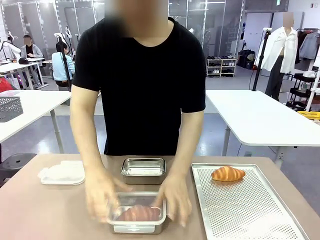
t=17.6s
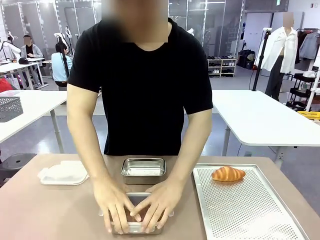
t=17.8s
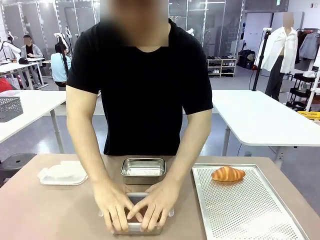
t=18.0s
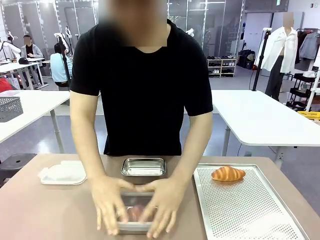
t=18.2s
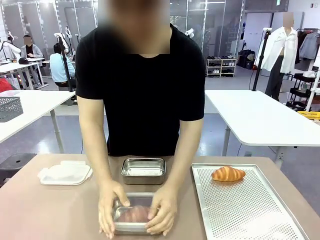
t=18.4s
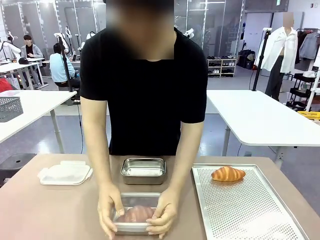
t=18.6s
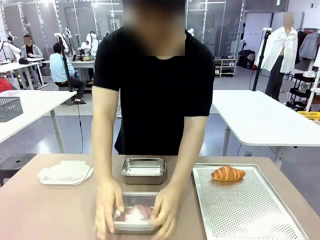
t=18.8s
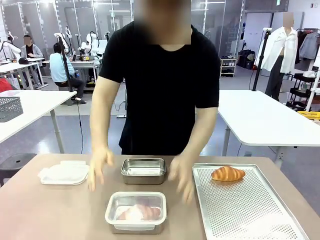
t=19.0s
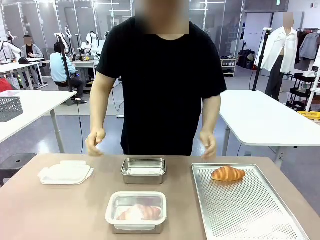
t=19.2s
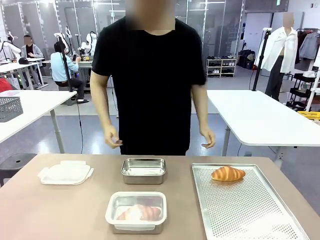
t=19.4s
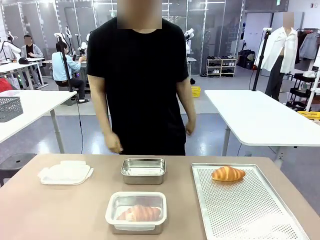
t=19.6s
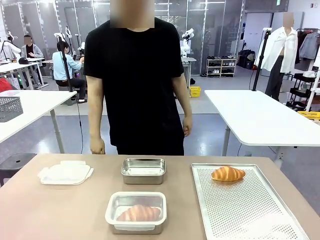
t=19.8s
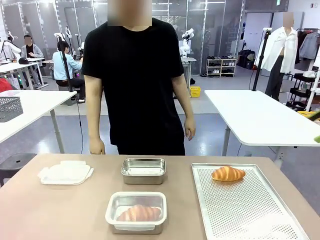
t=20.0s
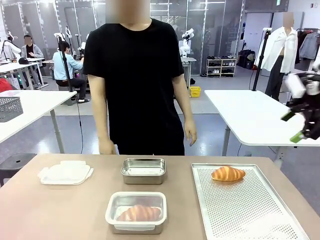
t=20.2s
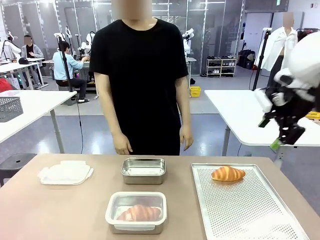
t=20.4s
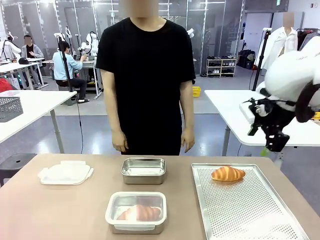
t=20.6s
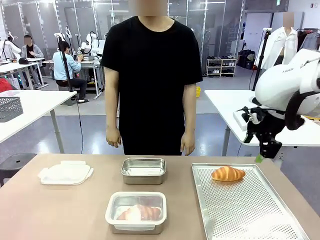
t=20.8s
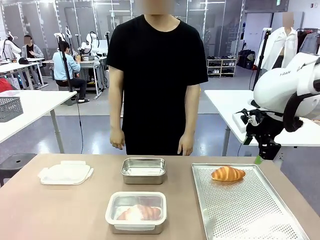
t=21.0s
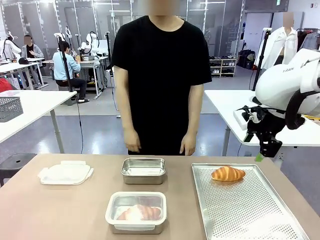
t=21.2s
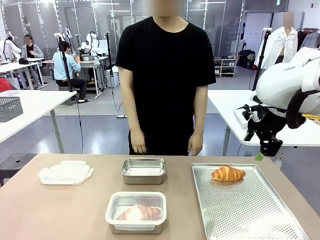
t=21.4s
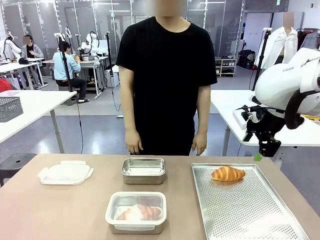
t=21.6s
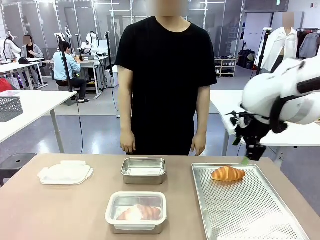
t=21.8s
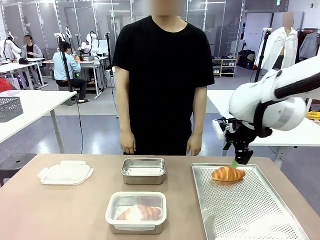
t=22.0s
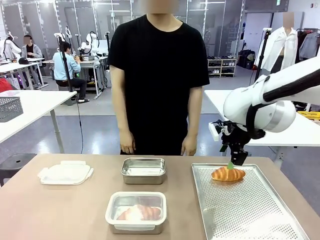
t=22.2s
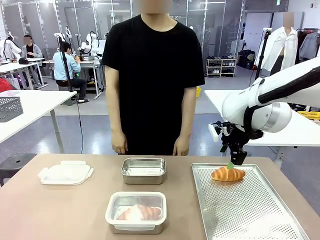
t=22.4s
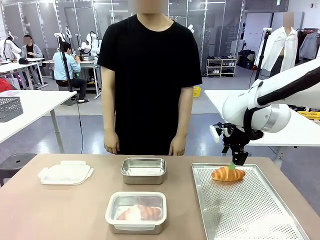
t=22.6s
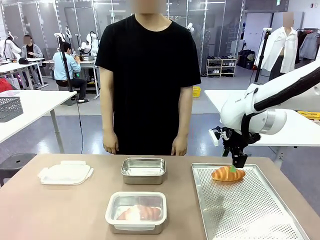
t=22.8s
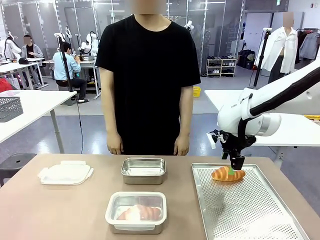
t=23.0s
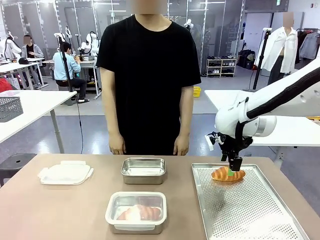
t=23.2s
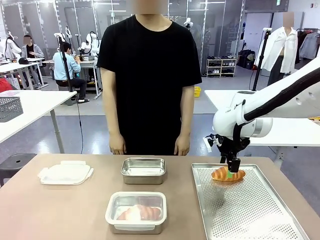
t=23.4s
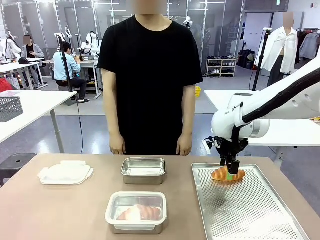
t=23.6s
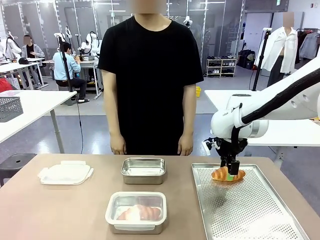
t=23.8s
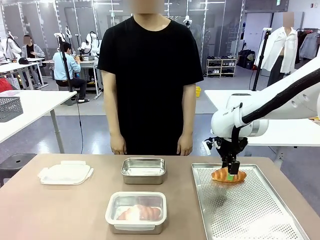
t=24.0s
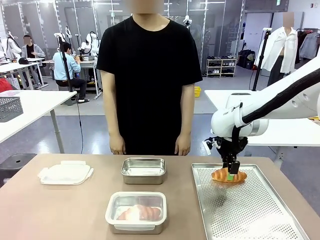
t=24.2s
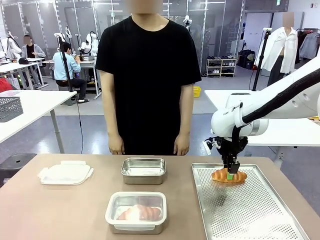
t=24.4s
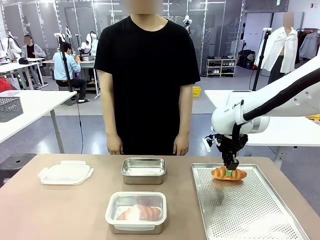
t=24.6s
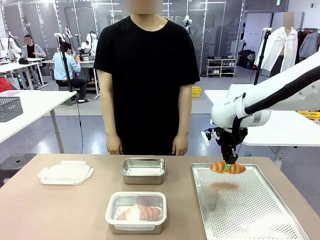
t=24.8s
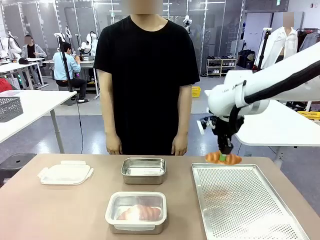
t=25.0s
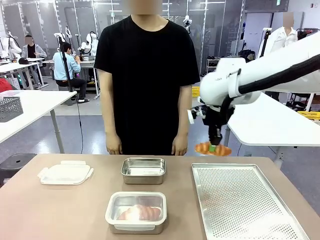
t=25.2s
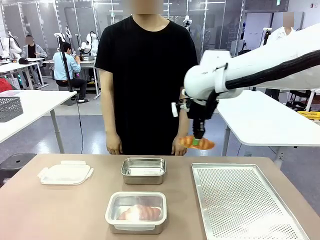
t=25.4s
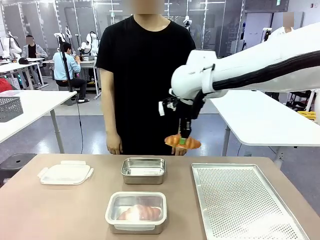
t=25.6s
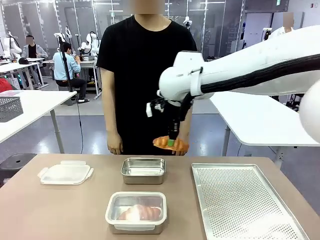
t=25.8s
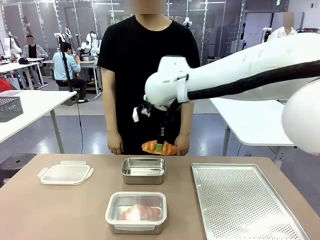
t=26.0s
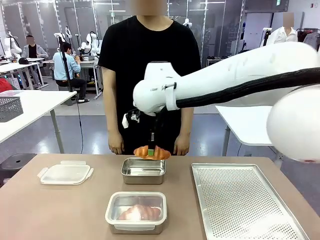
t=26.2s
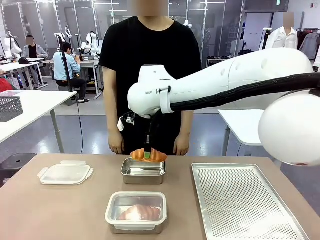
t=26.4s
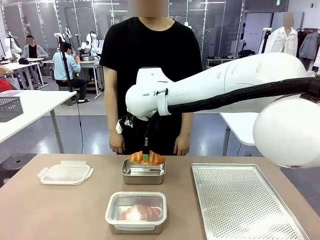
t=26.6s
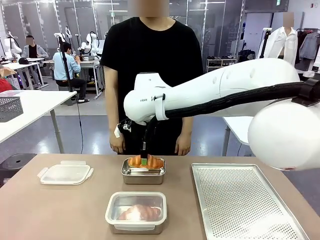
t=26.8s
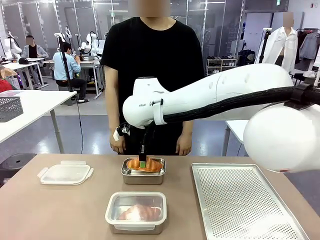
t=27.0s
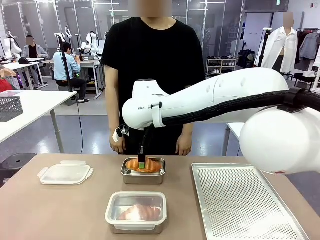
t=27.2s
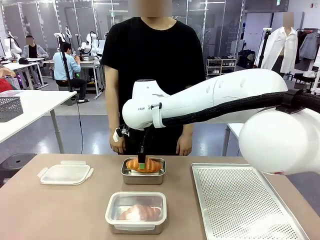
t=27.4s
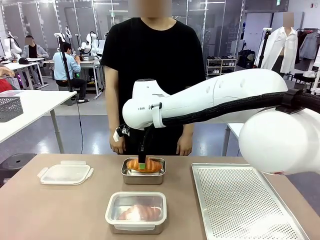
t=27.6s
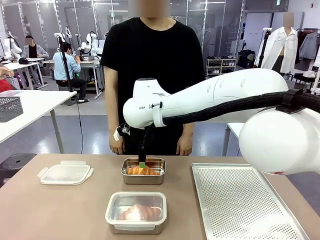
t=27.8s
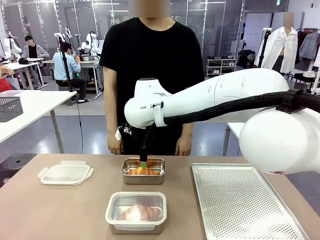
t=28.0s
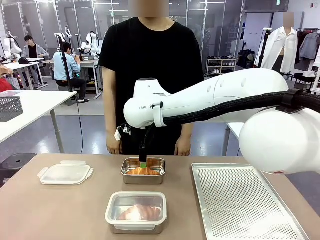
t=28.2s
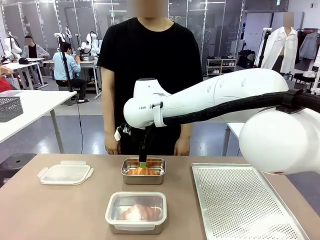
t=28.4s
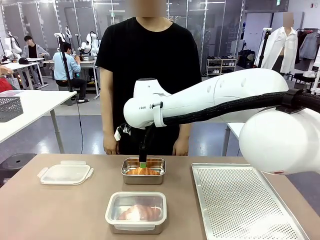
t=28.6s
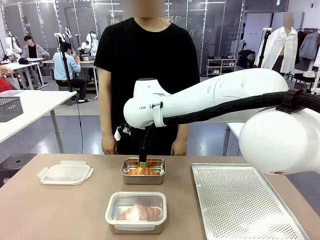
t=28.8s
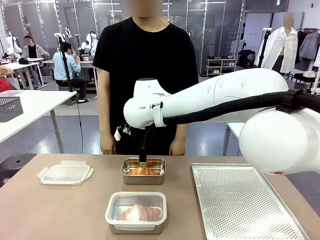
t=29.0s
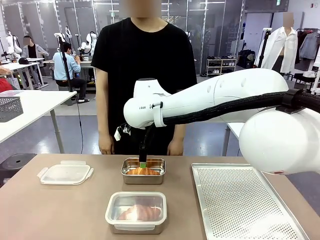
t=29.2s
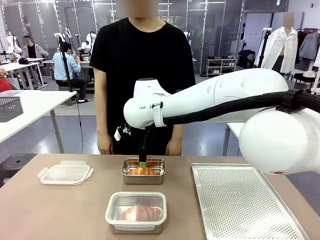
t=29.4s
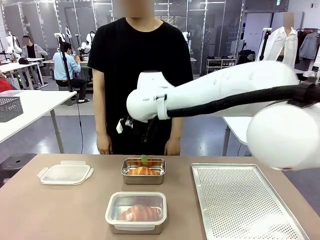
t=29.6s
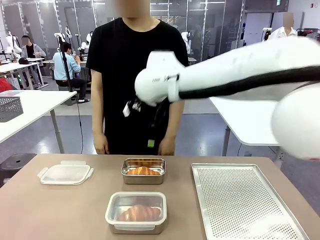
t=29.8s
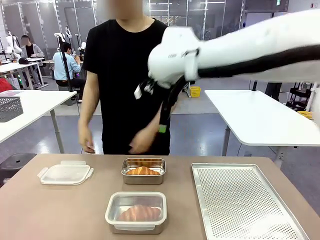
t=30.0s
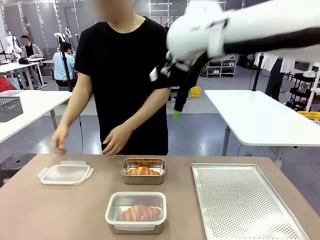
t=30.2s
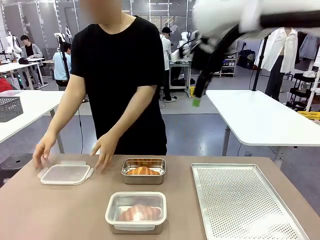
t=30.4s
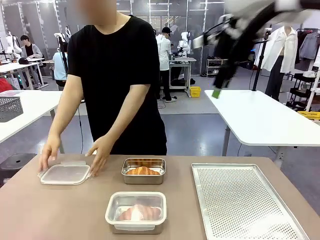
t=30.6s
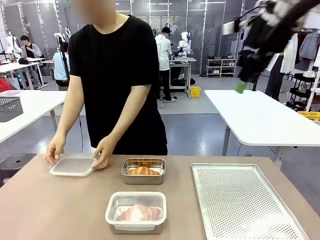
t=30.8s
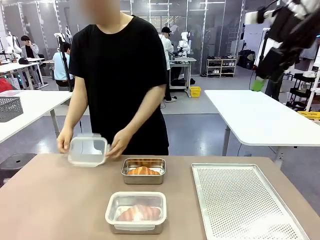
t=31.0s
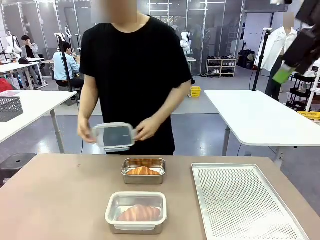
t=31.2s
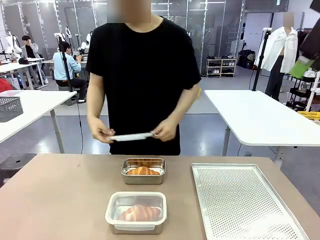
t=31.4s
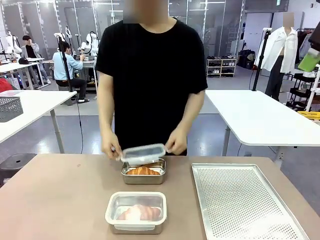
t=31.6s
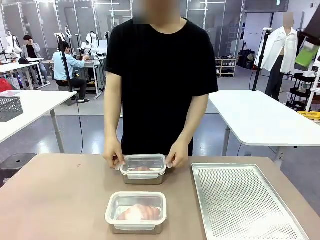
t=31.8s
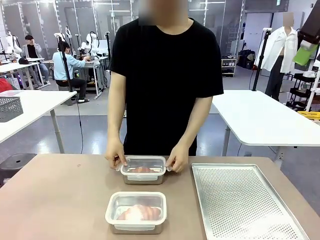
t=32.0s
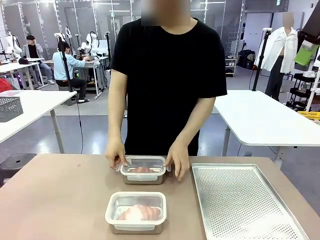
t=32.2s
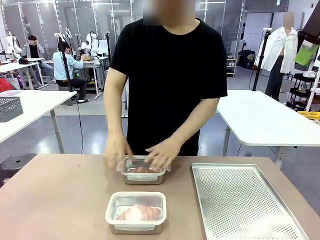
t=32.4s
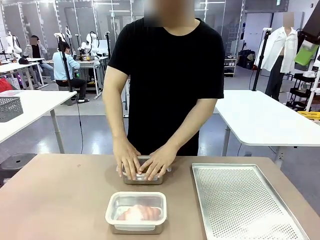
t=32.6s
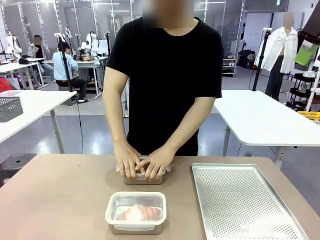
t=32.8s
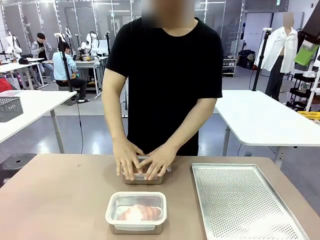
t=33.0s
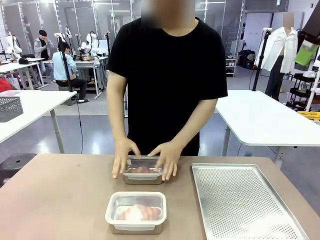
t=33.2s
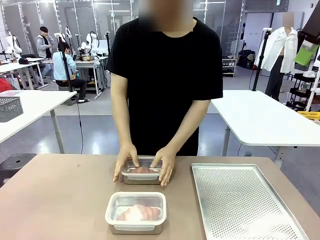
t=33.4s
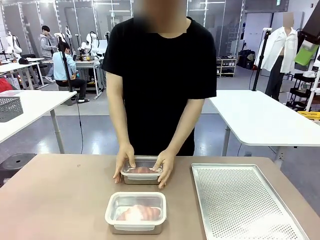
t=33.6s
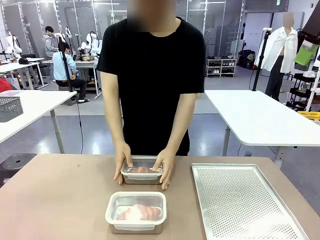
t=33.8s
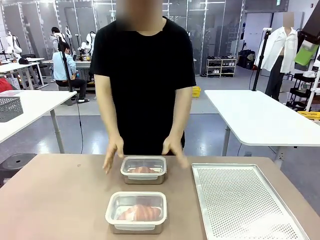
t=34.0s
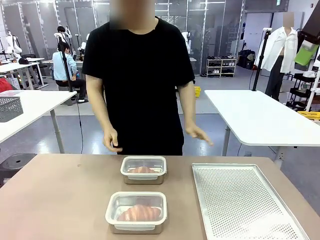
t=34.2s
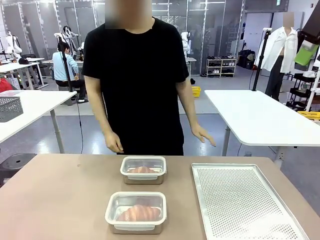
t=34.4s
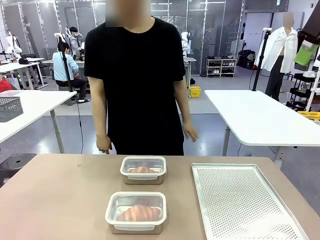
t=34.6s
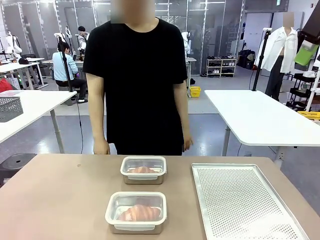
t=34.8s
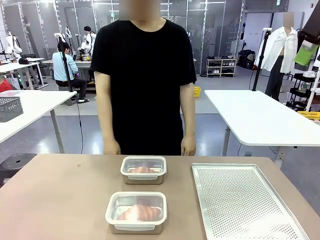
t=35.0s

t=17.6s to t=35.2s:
Task: Place the bread into the airtight container.
Robot: Pick up a Butter Roll and place it into an empty Airtight Container.
